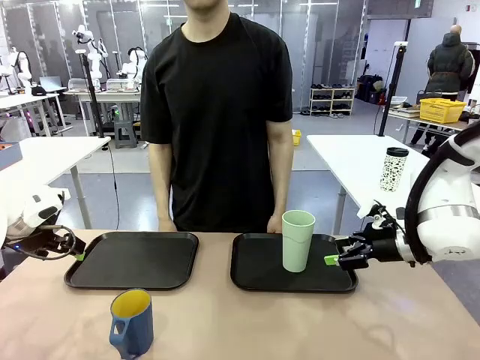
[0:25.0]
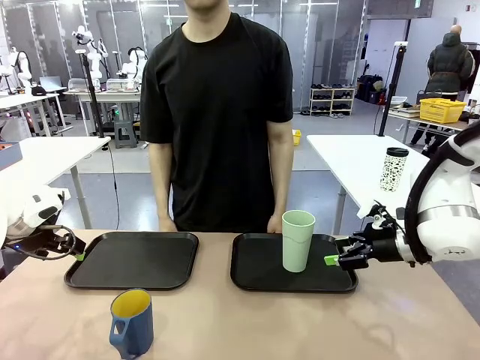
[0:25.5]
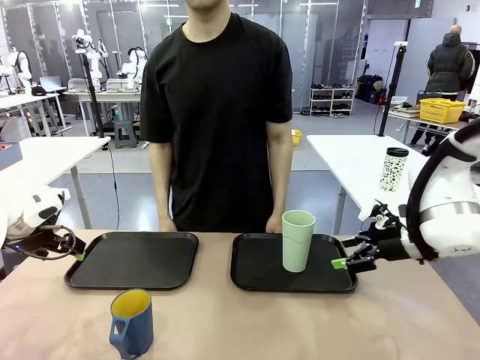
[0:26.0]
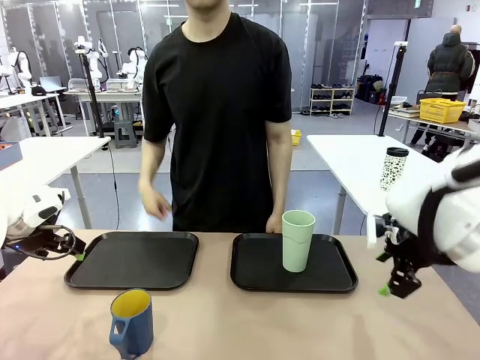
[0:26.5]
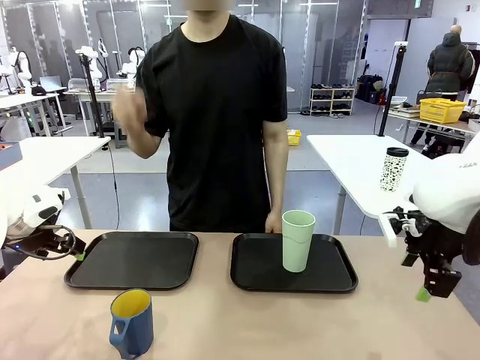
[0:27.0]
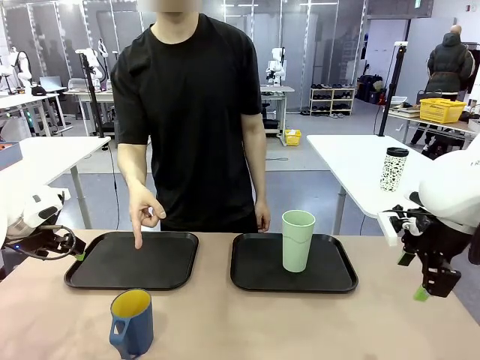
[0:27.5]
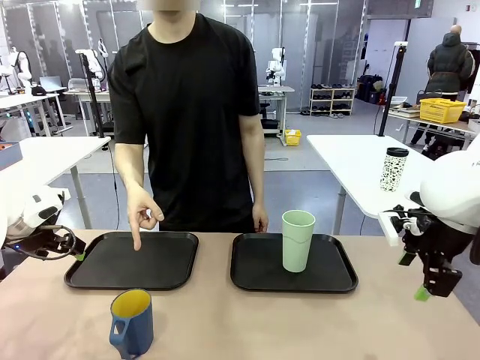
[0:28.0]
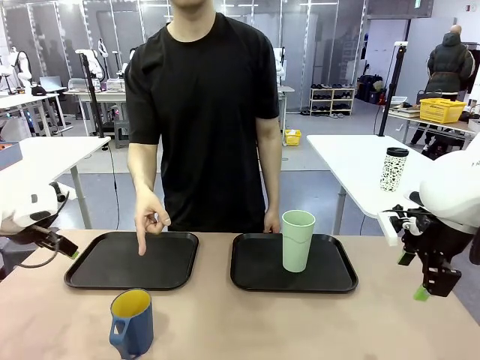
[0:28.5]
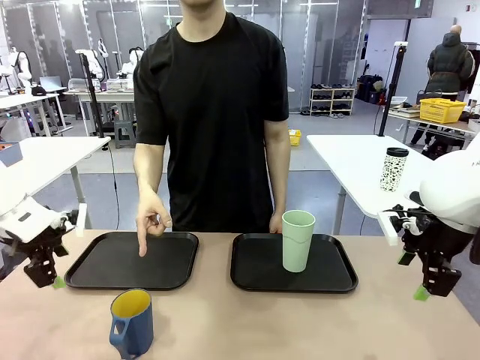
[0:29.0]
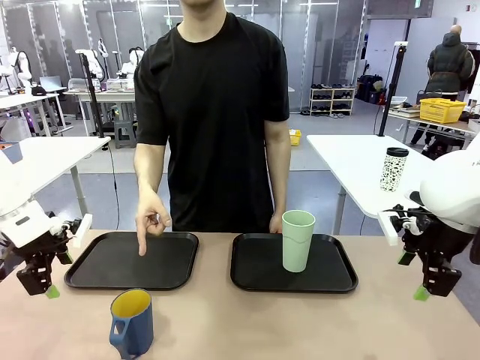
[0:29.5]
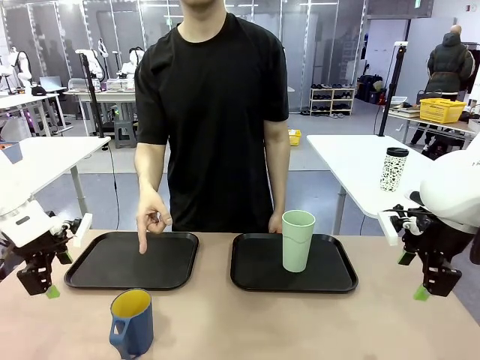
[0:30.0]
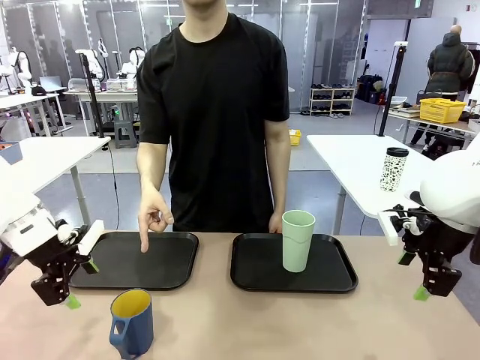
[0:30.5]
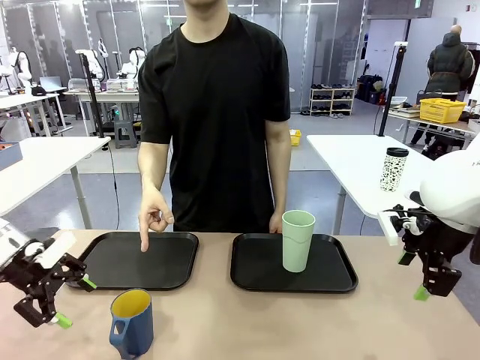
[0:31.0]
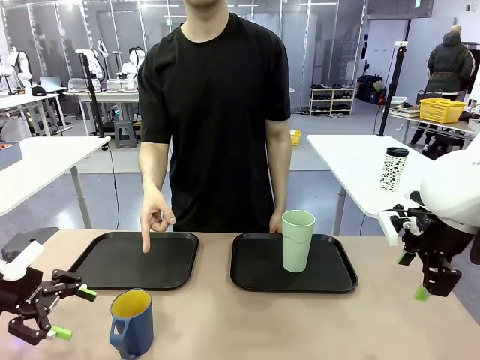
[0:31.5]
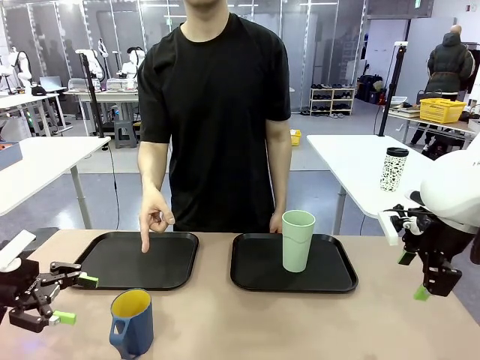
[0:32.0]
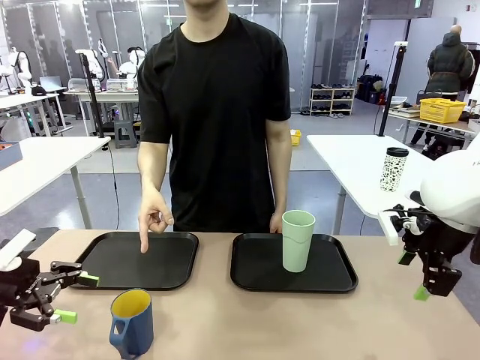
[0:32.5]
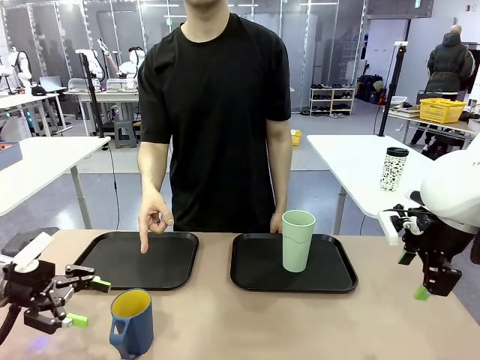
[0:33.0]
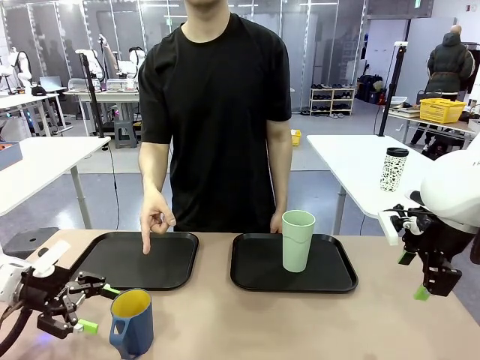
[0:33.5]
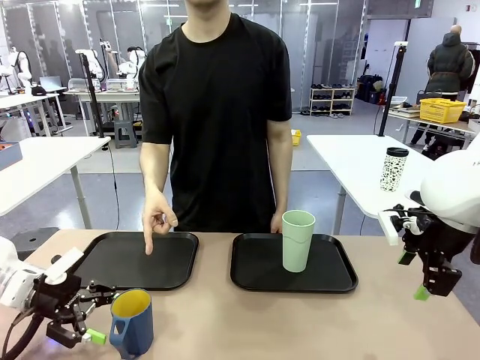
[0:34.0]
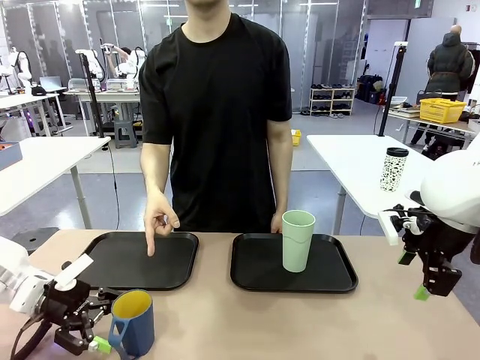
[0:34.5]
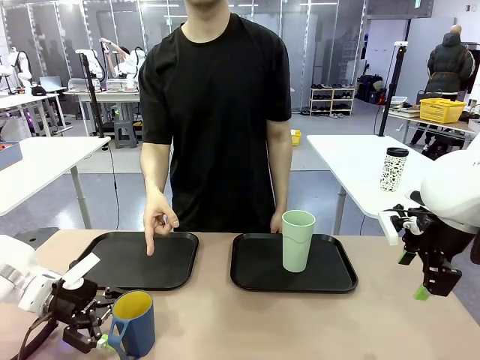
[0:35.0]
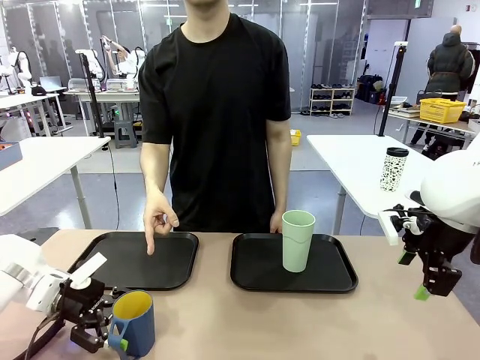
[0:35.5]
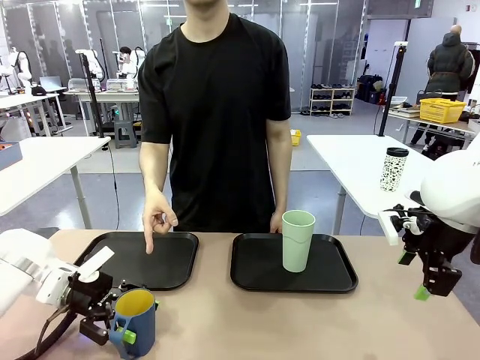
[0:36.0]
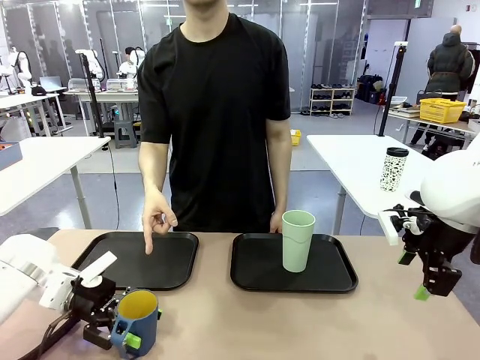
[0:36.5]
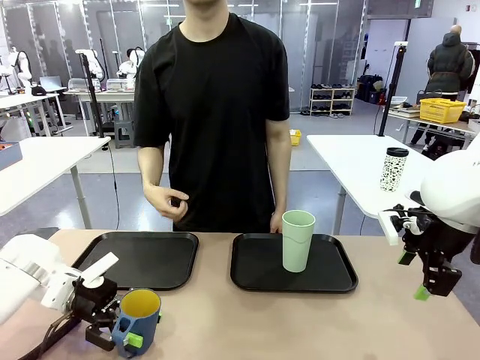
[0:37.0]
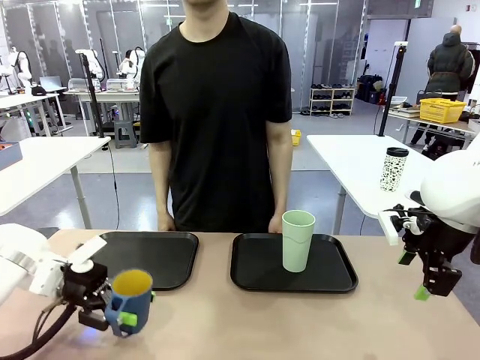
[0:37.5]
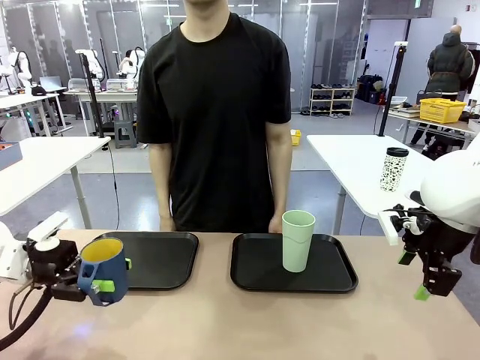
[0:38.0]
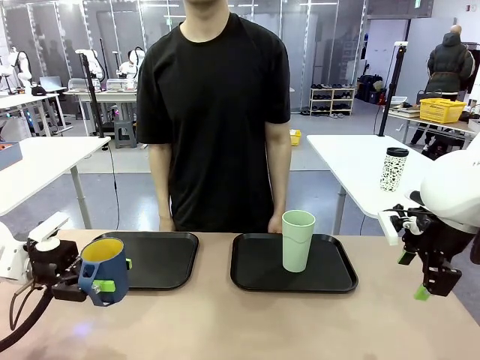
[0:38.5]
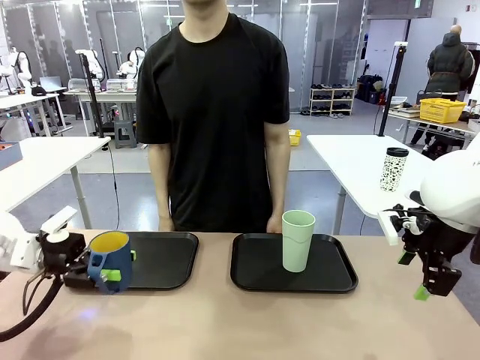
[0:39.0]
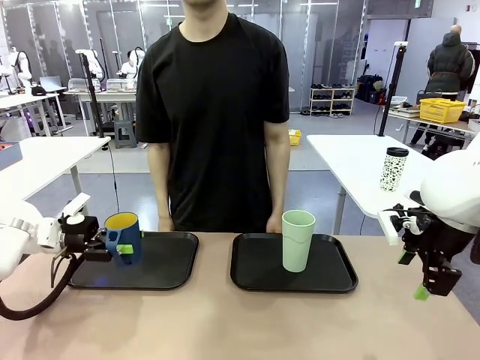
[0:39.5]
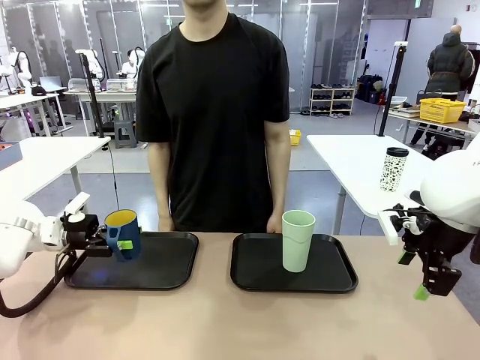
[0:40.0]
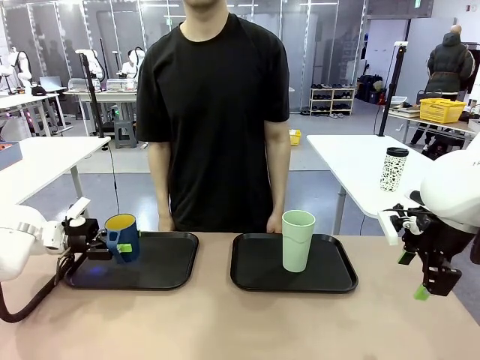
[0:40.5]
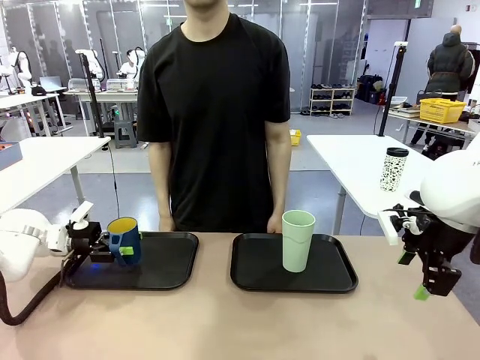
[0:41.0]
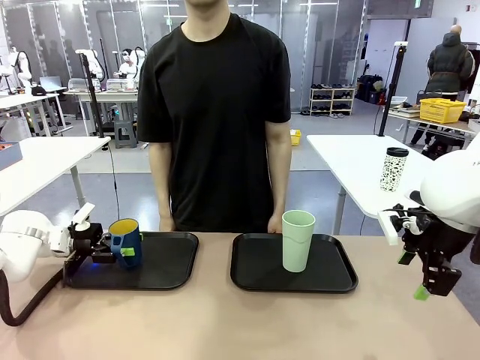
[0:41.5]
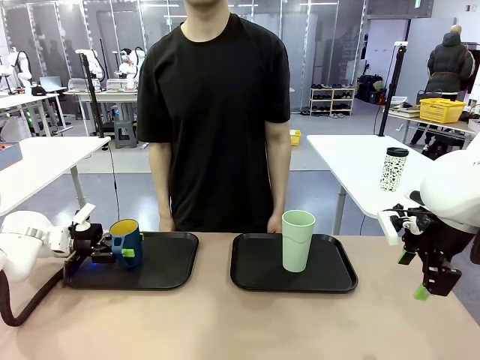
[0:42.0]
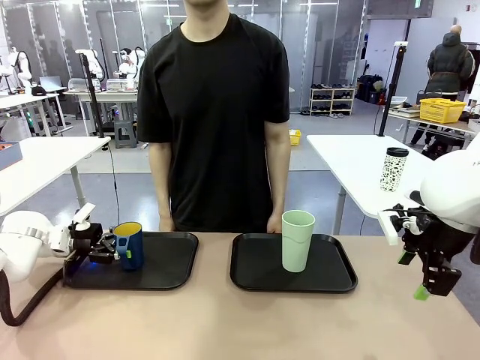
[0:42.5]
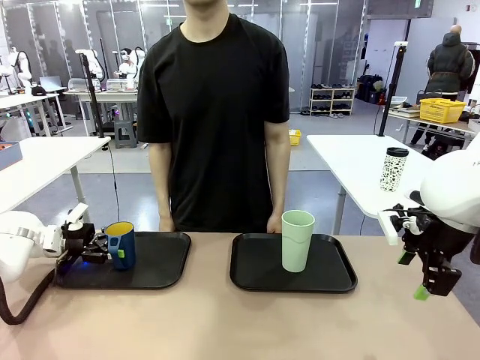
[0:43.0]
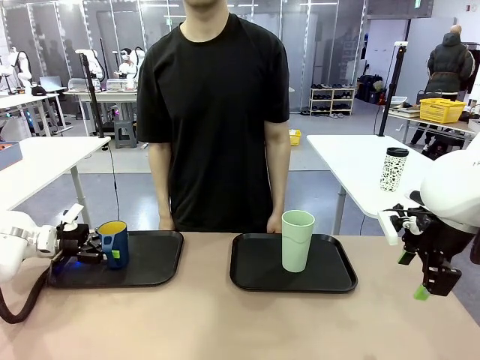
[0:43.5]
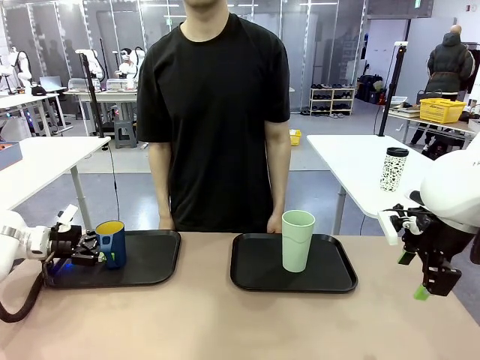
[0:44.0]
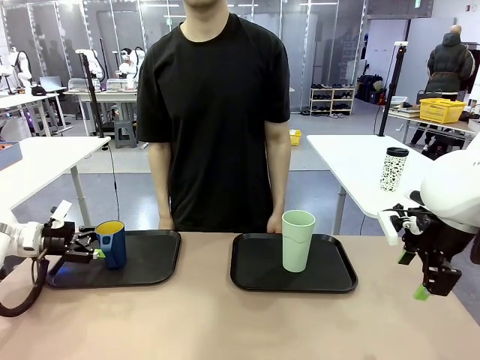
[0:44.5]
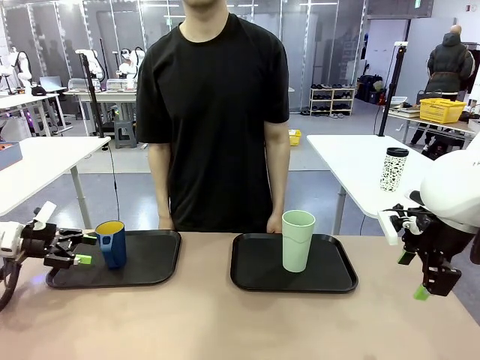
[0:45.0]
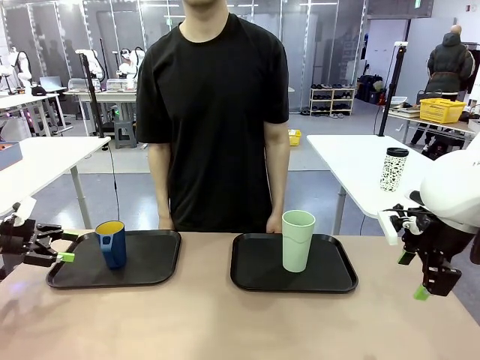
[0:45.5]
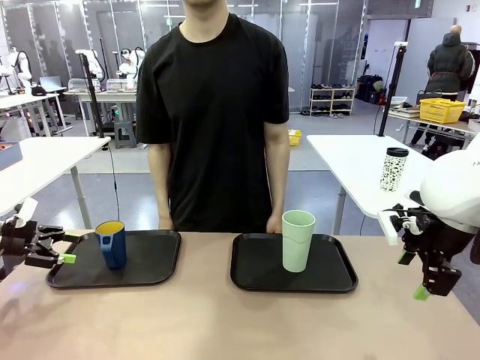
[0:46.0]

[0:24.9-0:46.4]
Task: Sort and store the cups by type.
Robot: Pick up the Handle plastic cup and place it into the empty Flat Tray.
Person: Points to the cup with a handle.
